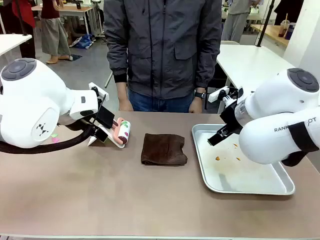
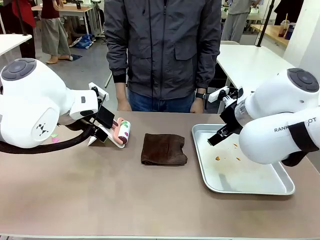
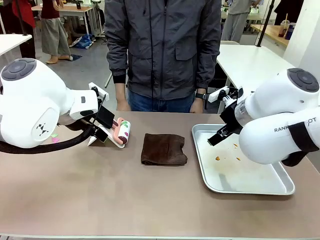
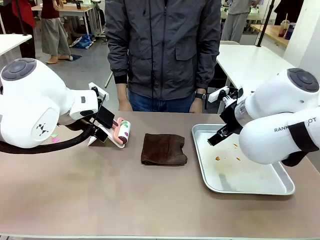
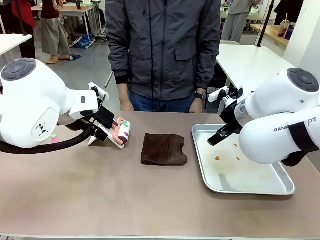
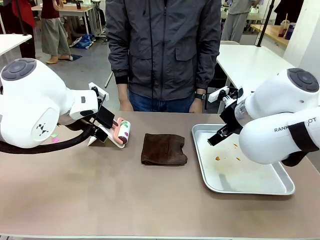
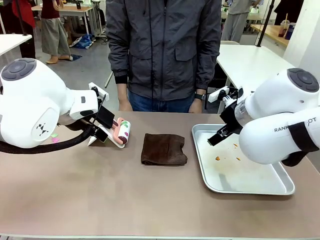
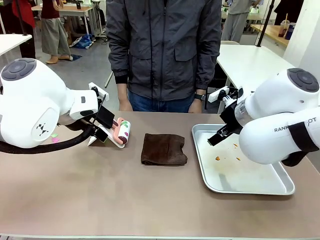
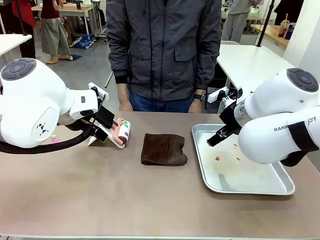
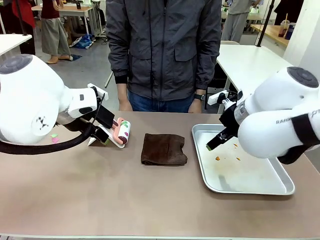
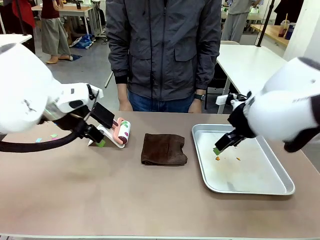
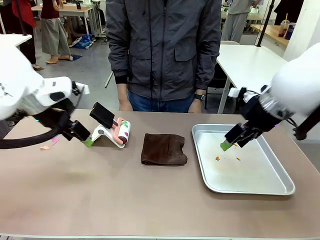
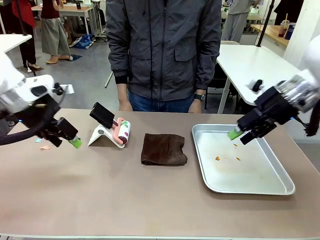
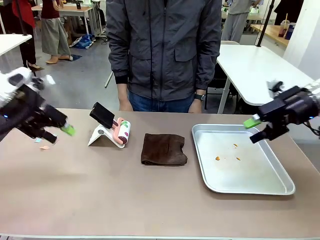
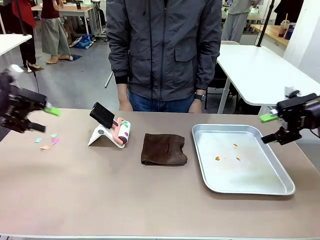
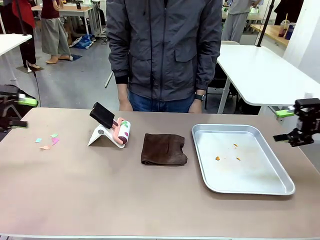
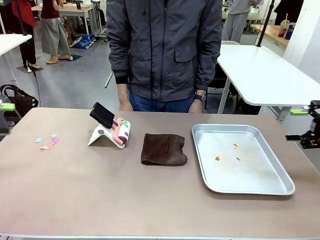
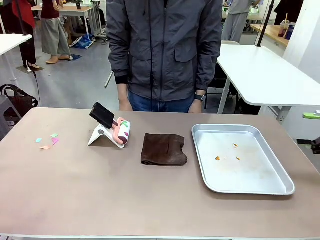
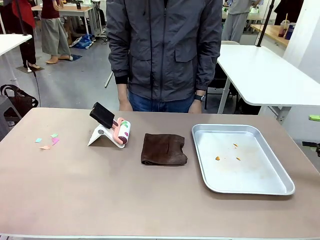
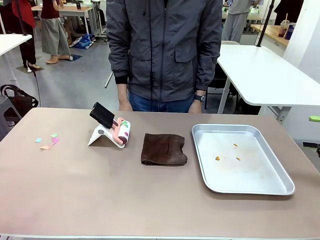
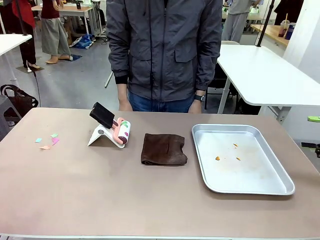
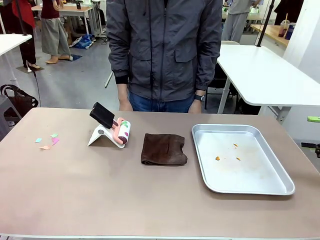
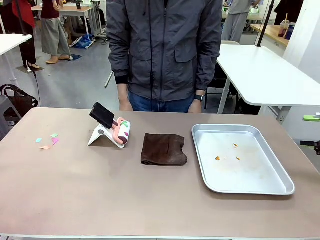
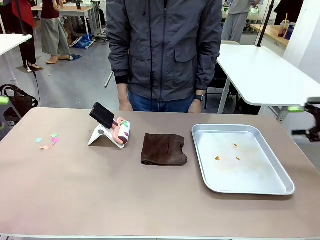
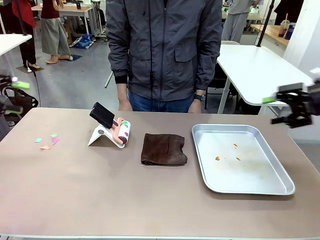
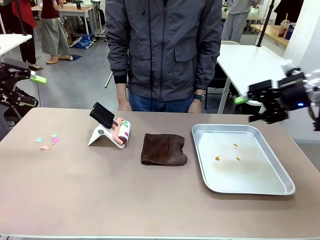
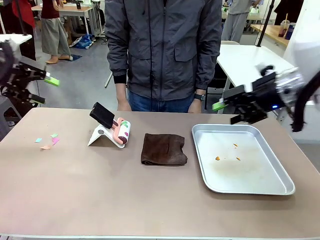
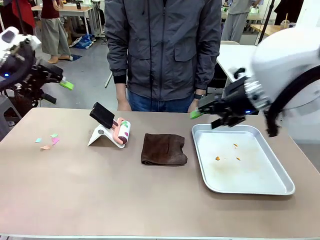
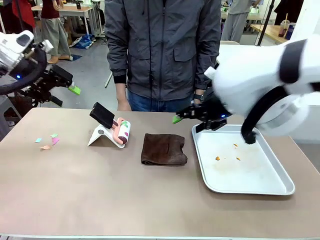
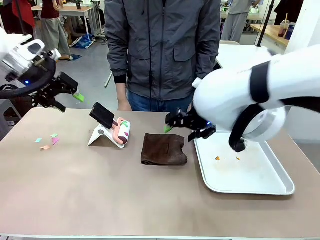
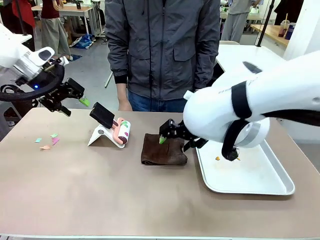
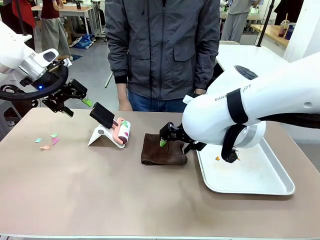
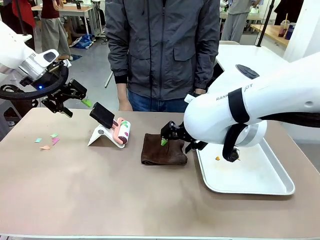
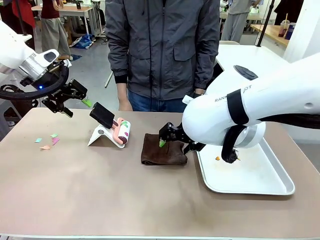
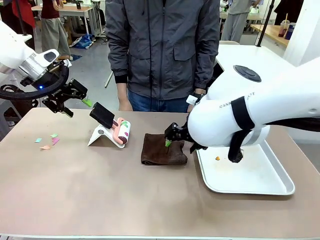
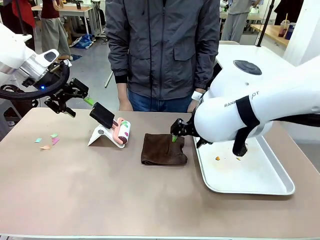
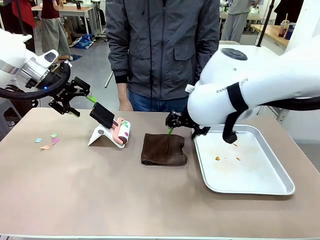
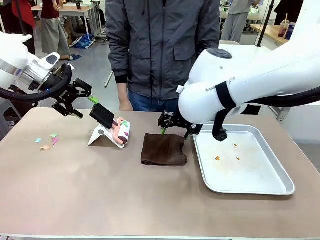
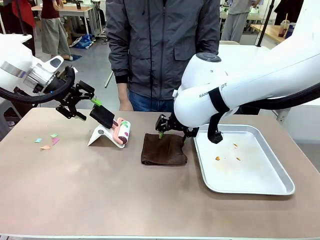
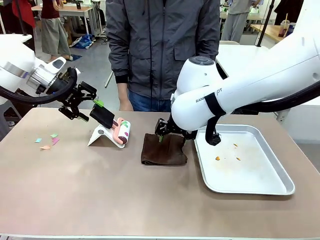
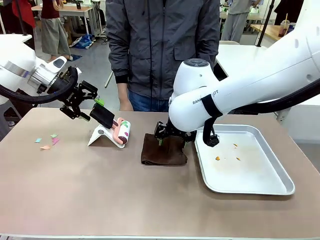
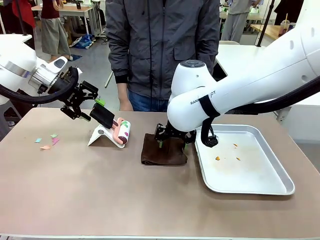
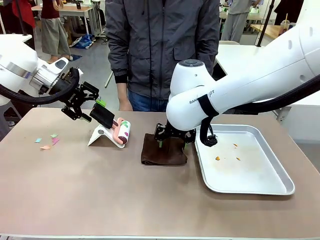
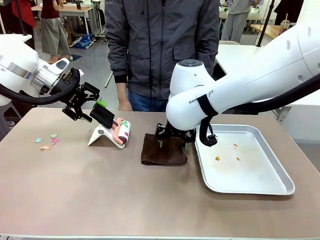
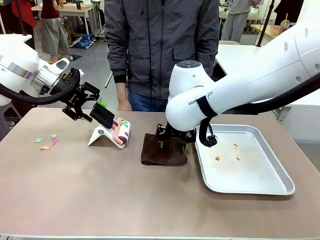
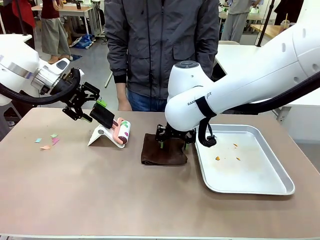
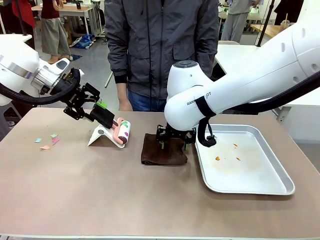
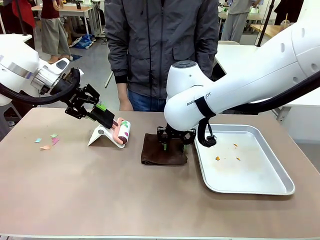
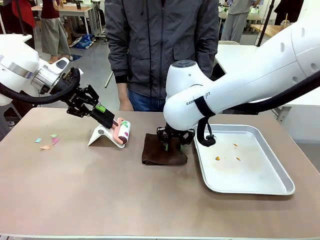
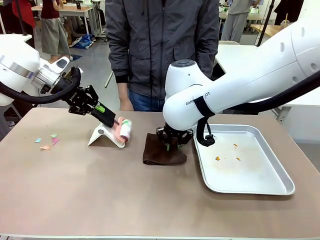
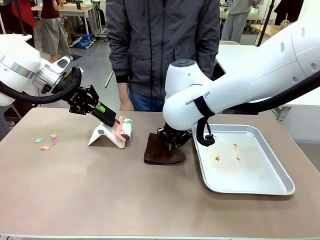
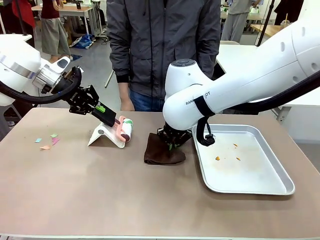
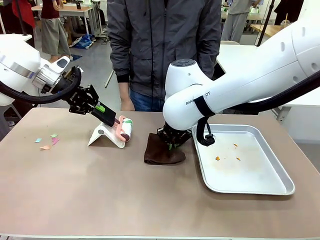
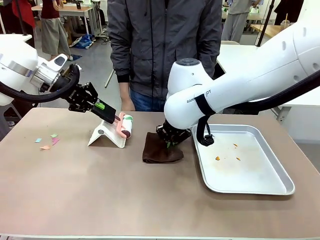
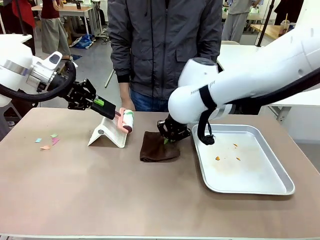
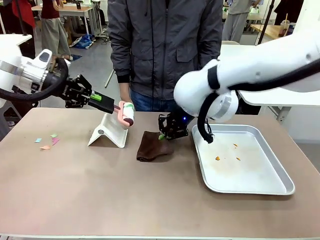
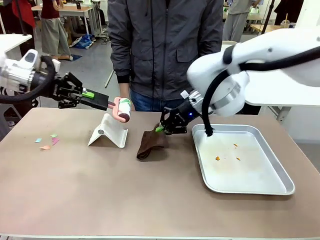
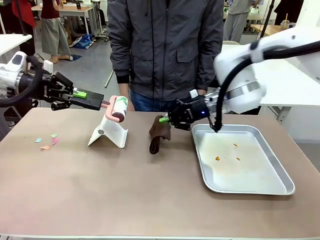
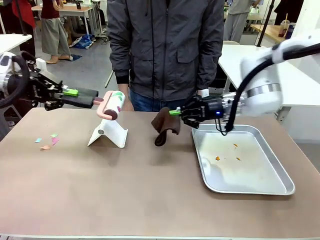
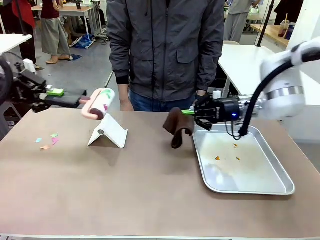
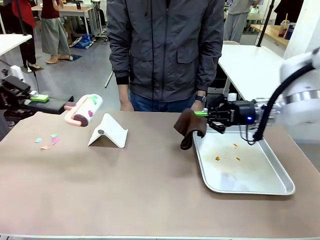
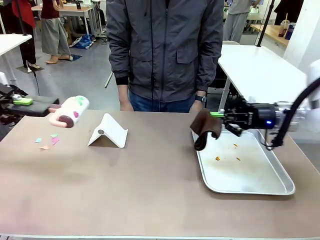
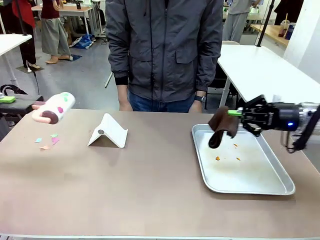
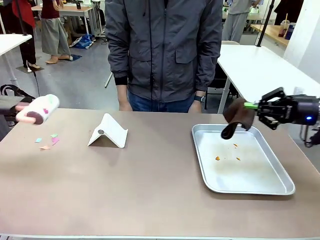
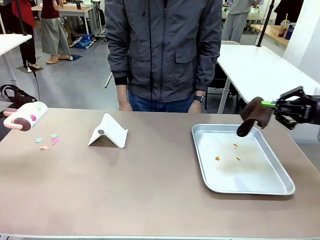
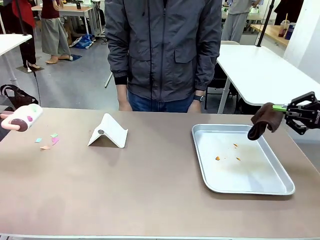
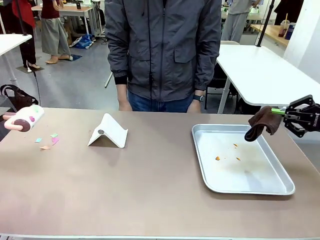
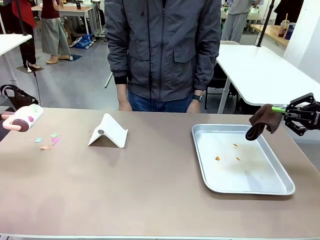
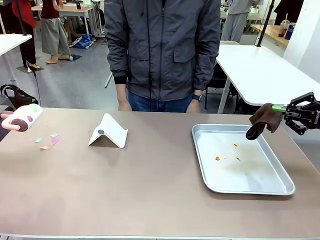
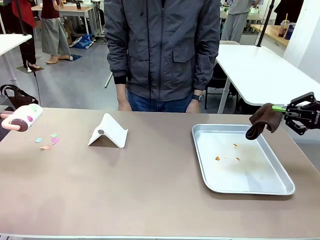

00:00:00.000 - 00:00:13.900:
Task: Clean the surface of the table.
Robot: Hold the Lint Roller with your left hand and the towel with your right hand.

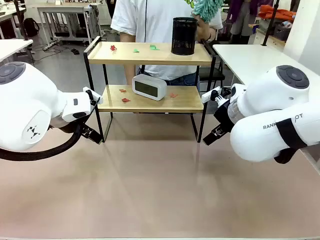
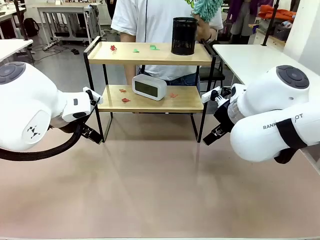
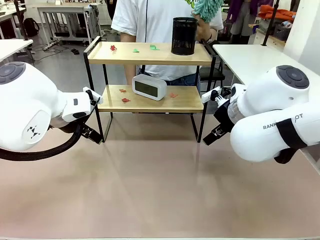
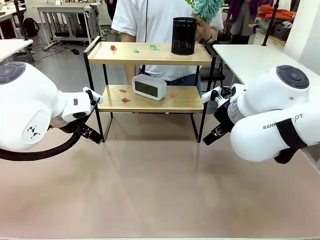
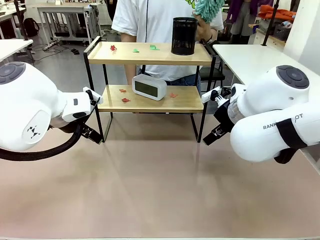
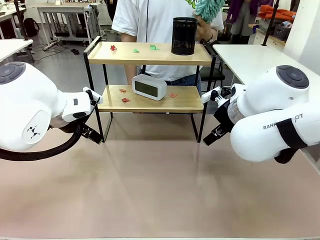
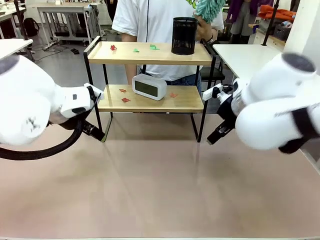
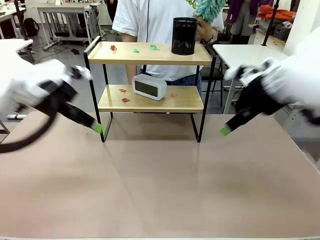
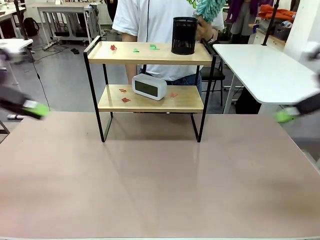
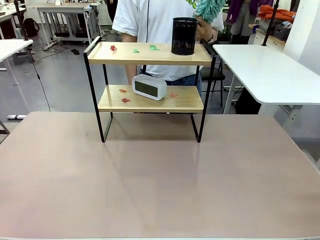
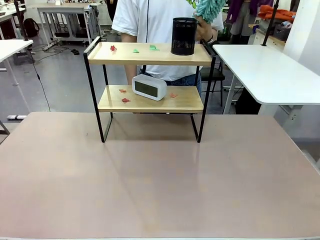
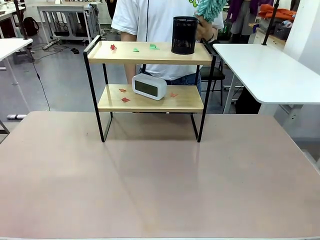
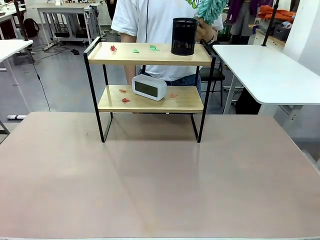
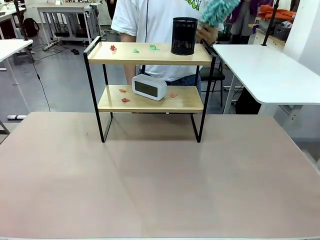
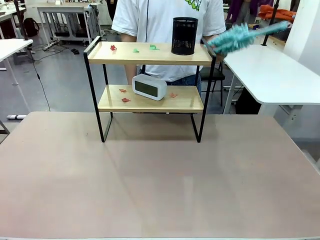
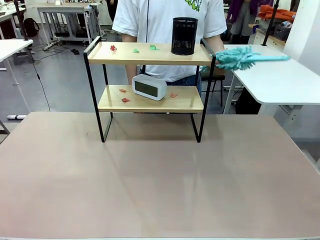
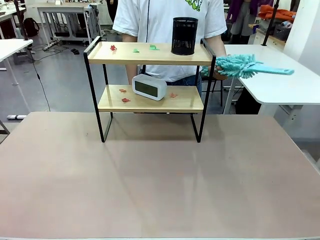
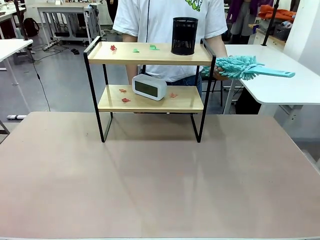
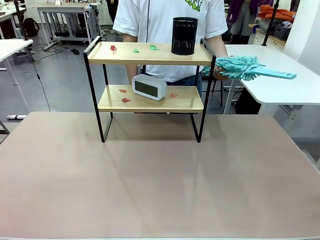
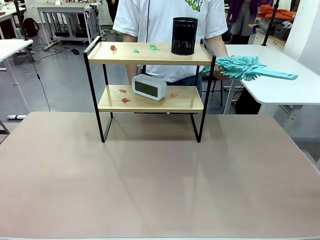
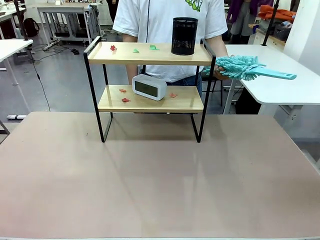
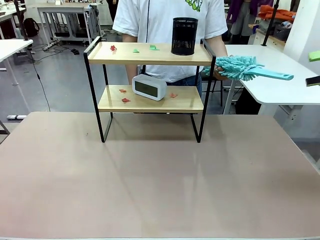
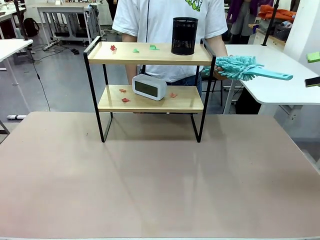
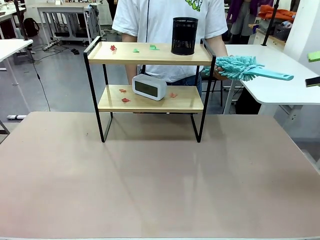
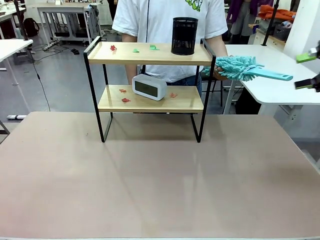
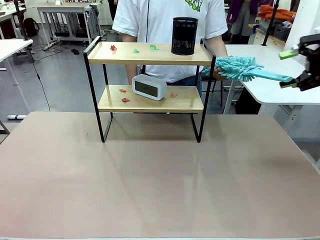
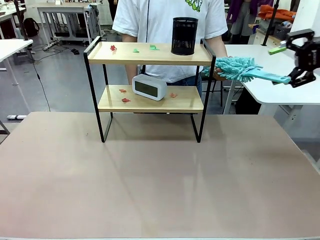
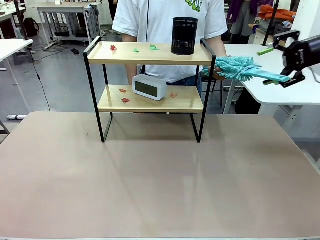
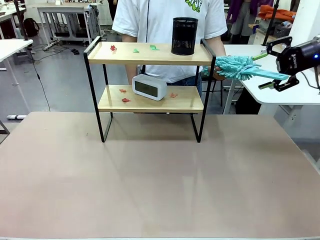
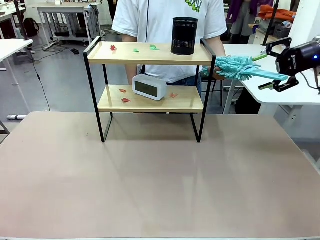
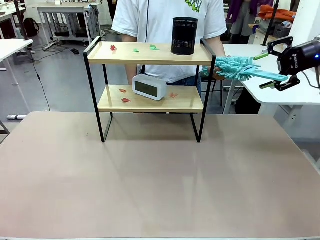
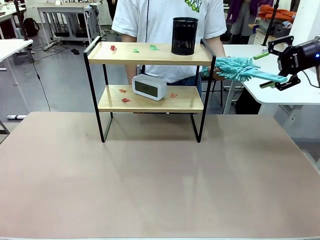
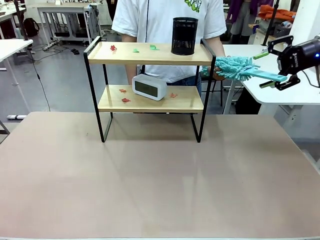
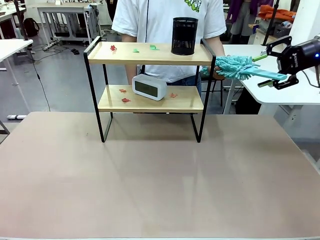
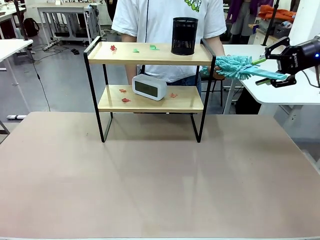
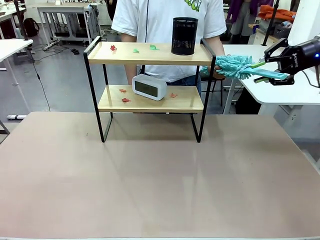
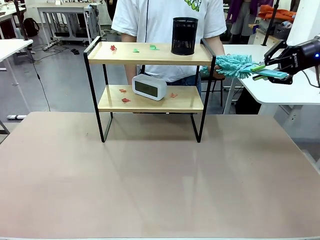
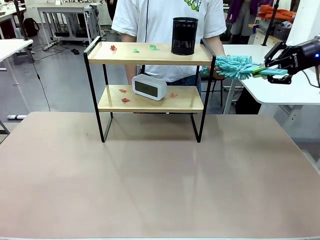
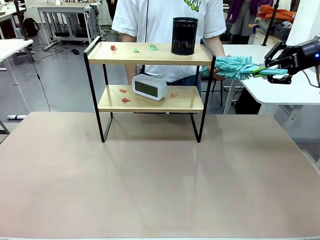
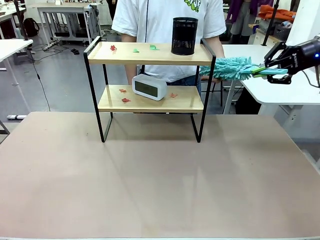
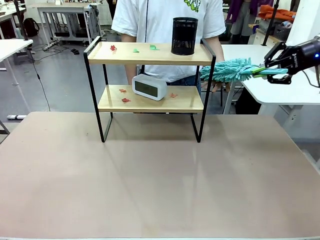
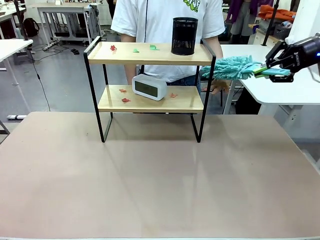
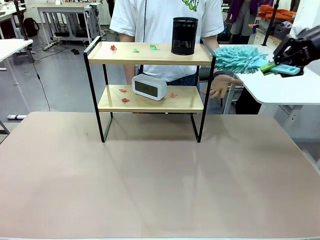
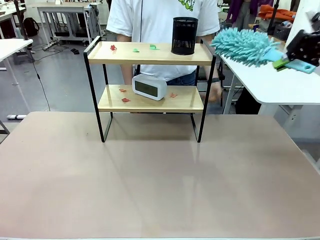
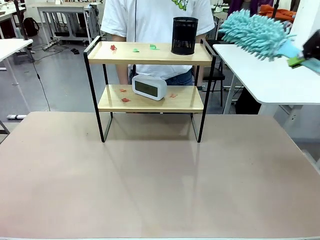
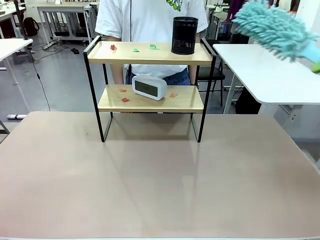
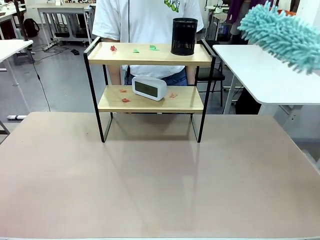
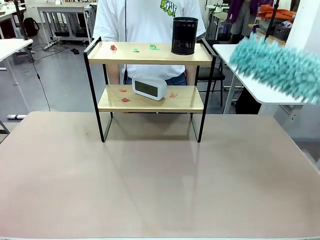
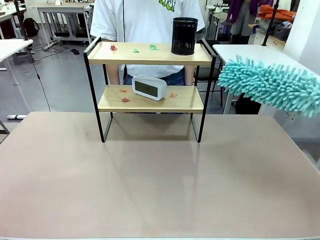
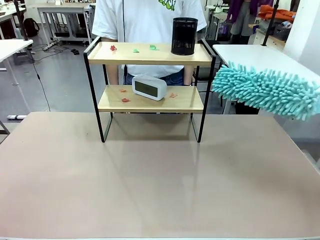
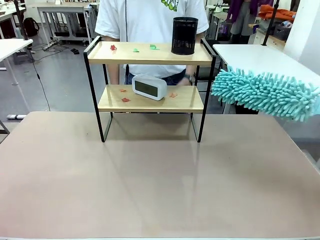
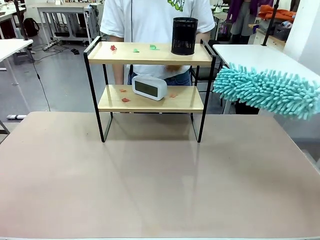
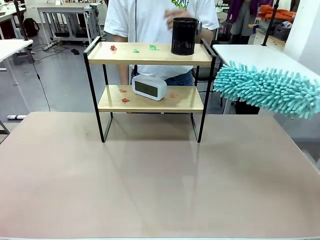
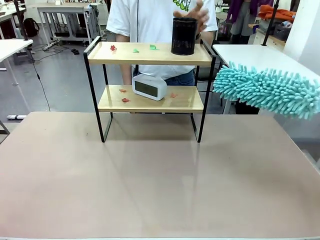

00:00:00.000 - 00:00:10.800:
Task: Clean the shelf.
Robot: Pick up the Duster from the human.
Person: Hand the Duster to the robot. Lift the objects on a randomly selected tier of the Shelf.
